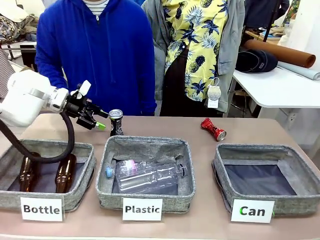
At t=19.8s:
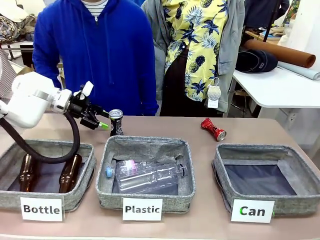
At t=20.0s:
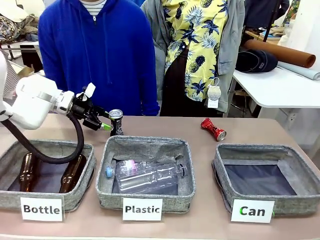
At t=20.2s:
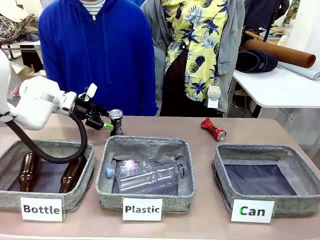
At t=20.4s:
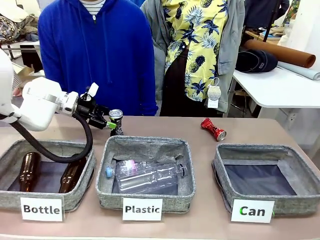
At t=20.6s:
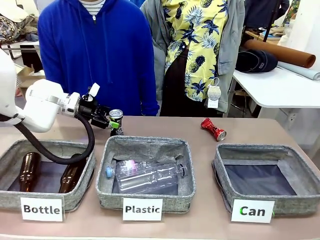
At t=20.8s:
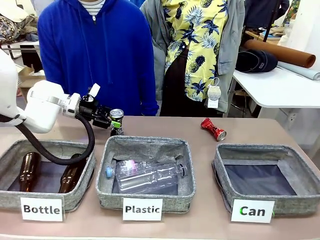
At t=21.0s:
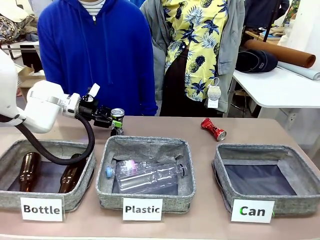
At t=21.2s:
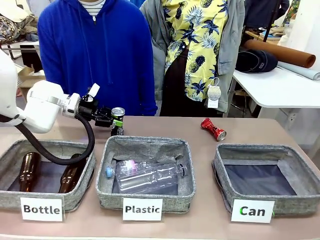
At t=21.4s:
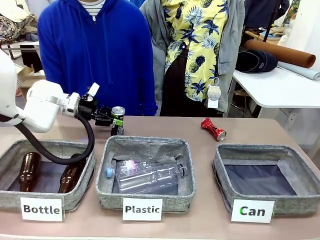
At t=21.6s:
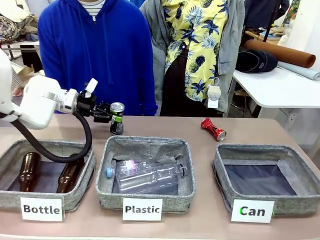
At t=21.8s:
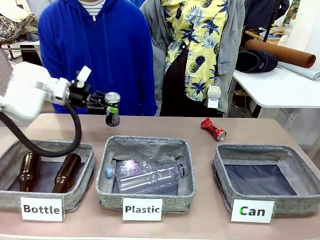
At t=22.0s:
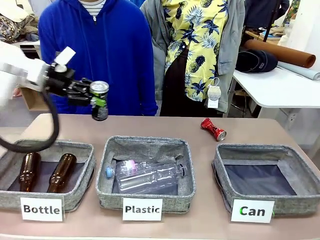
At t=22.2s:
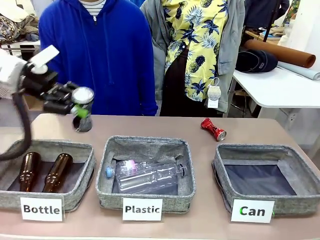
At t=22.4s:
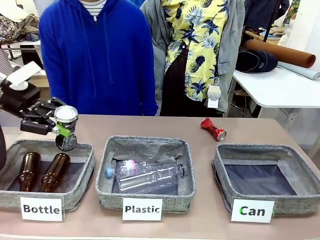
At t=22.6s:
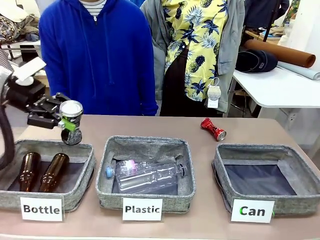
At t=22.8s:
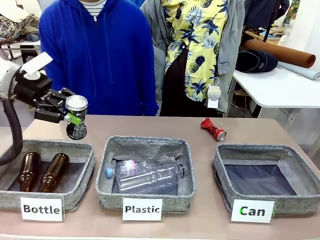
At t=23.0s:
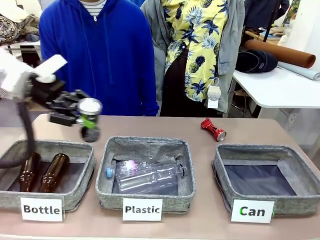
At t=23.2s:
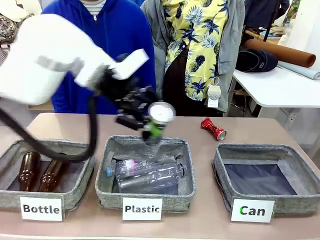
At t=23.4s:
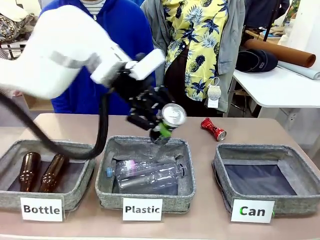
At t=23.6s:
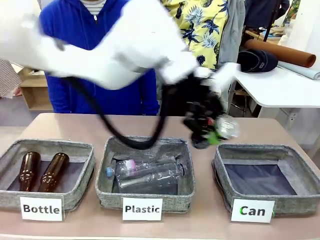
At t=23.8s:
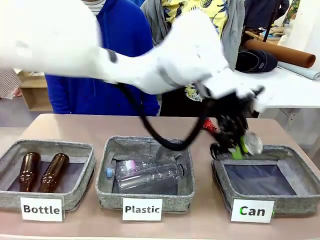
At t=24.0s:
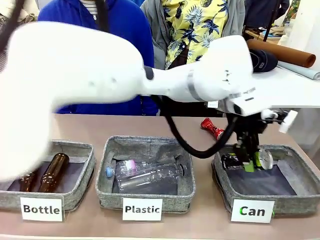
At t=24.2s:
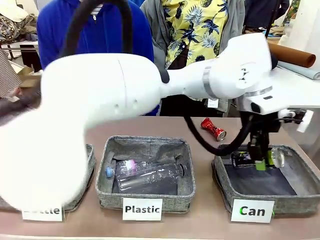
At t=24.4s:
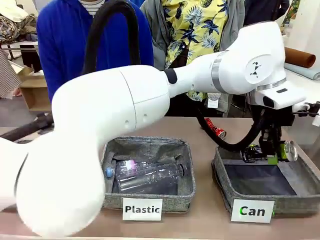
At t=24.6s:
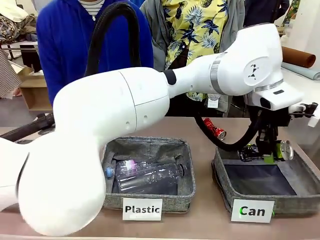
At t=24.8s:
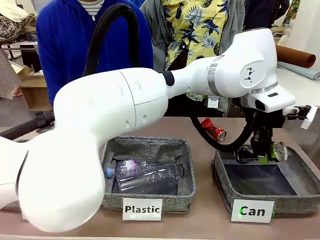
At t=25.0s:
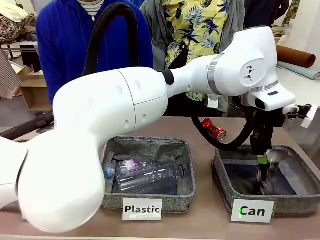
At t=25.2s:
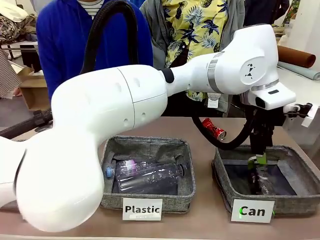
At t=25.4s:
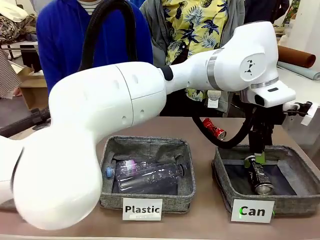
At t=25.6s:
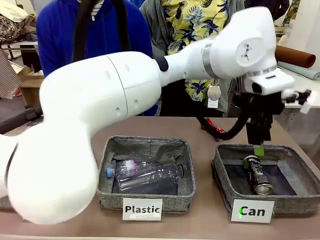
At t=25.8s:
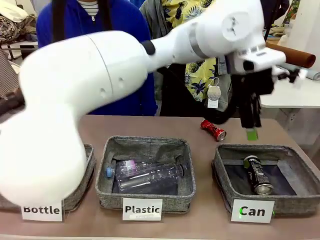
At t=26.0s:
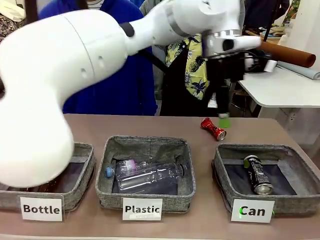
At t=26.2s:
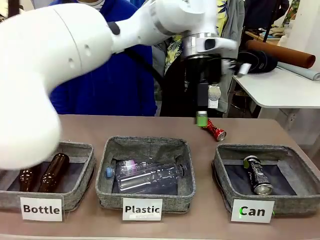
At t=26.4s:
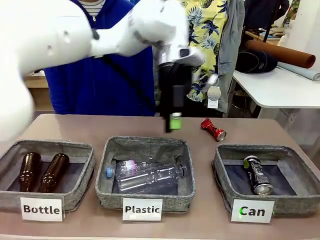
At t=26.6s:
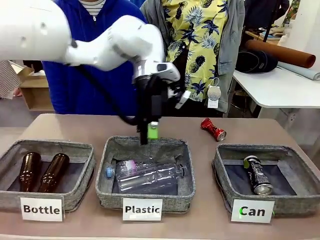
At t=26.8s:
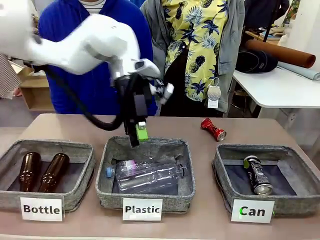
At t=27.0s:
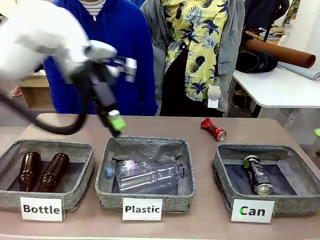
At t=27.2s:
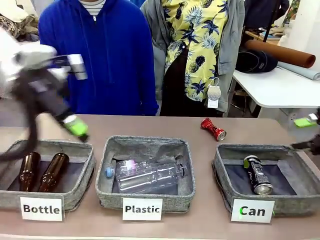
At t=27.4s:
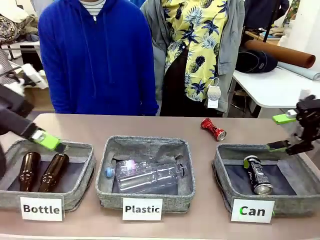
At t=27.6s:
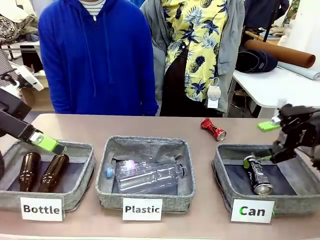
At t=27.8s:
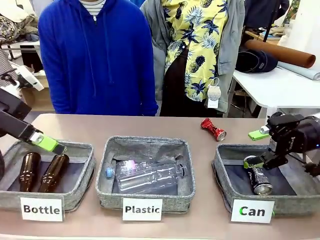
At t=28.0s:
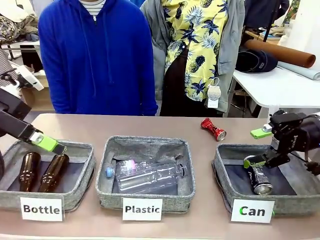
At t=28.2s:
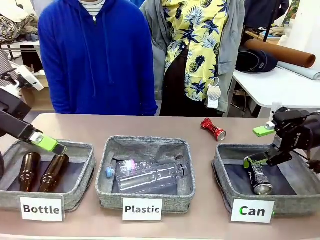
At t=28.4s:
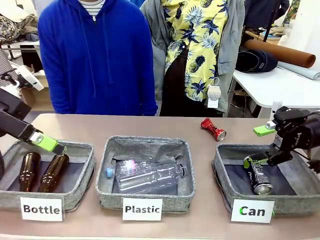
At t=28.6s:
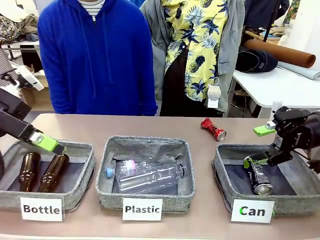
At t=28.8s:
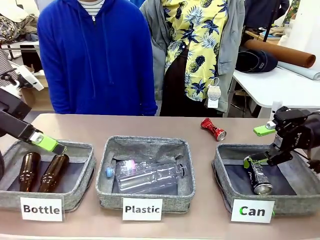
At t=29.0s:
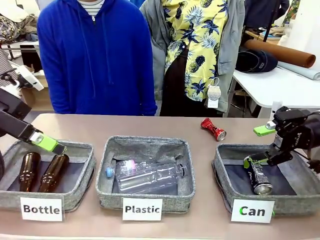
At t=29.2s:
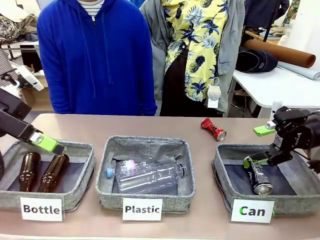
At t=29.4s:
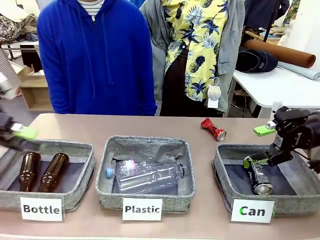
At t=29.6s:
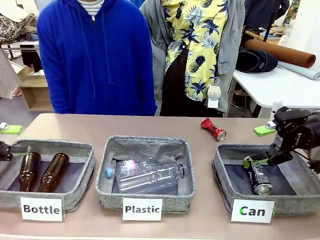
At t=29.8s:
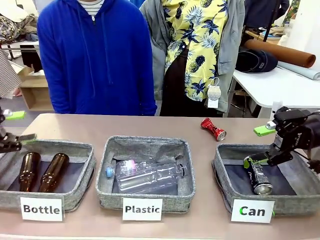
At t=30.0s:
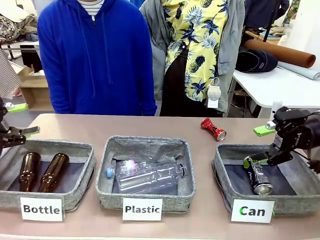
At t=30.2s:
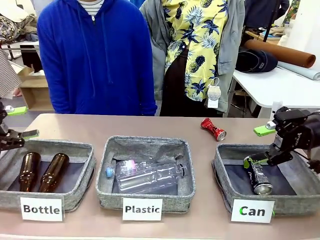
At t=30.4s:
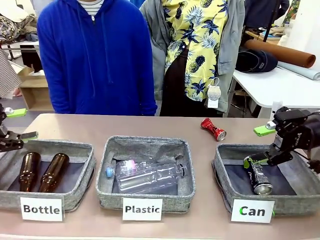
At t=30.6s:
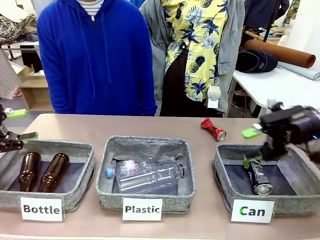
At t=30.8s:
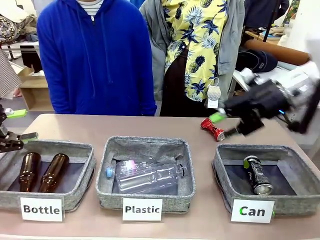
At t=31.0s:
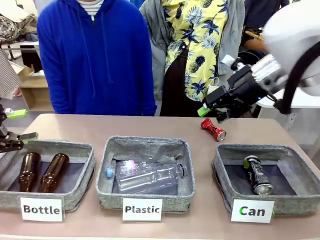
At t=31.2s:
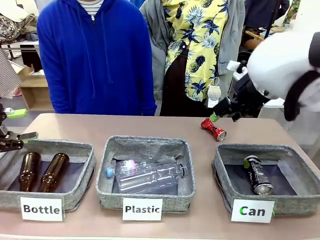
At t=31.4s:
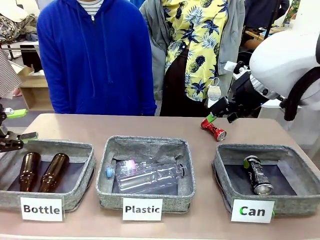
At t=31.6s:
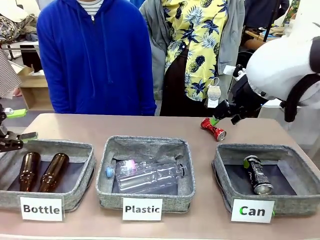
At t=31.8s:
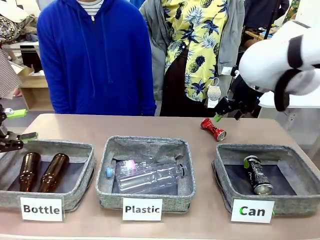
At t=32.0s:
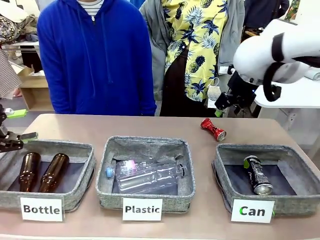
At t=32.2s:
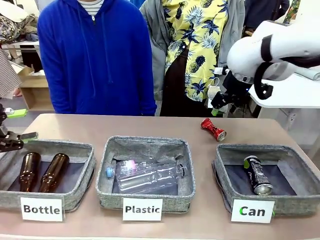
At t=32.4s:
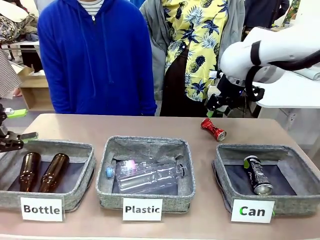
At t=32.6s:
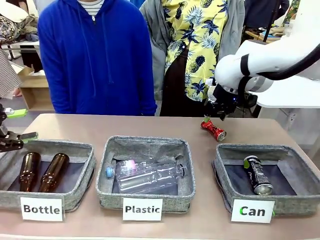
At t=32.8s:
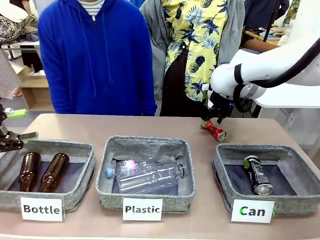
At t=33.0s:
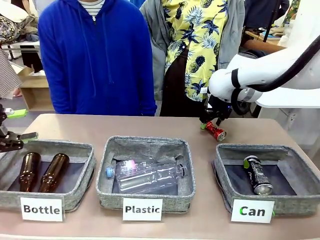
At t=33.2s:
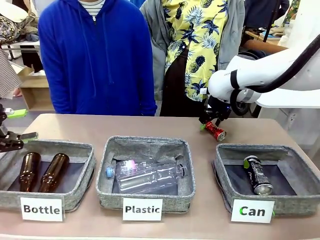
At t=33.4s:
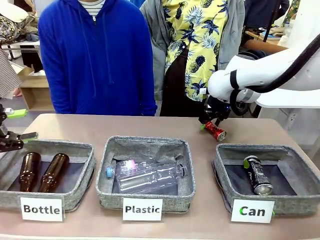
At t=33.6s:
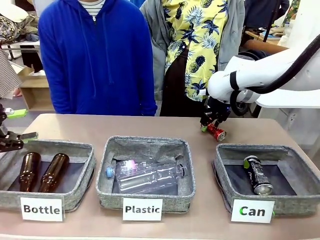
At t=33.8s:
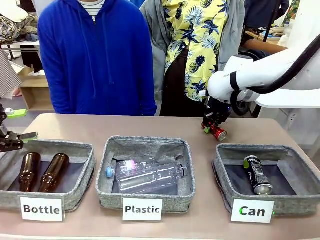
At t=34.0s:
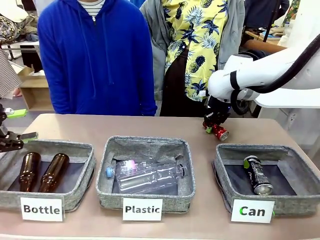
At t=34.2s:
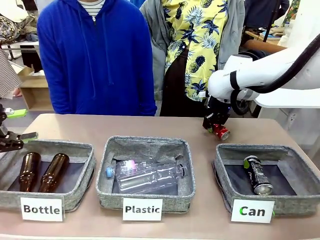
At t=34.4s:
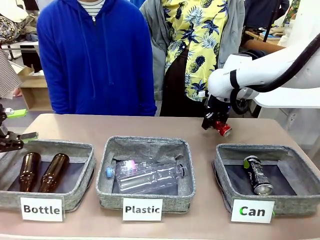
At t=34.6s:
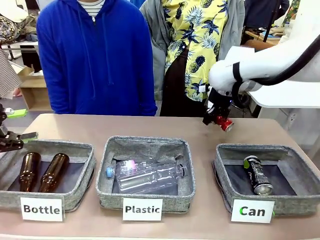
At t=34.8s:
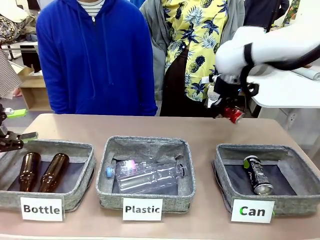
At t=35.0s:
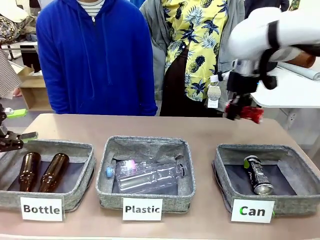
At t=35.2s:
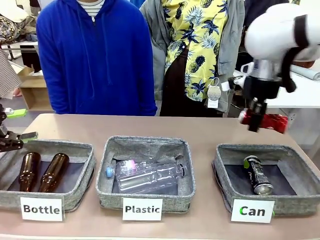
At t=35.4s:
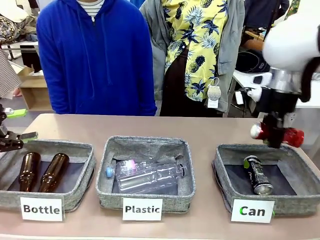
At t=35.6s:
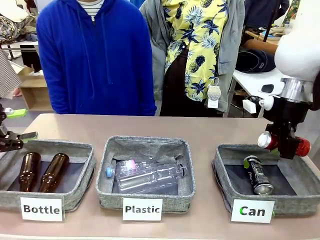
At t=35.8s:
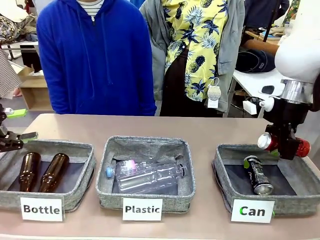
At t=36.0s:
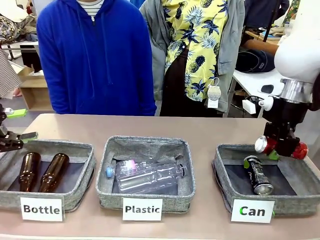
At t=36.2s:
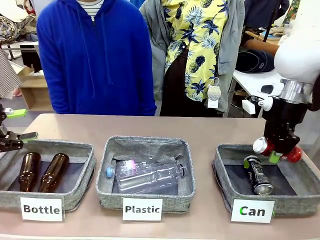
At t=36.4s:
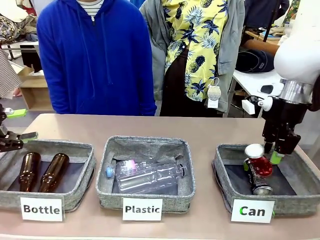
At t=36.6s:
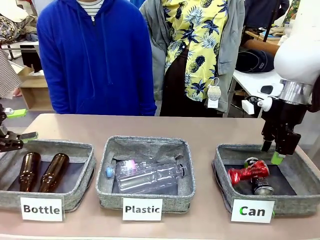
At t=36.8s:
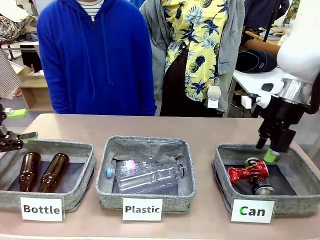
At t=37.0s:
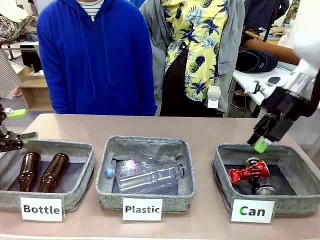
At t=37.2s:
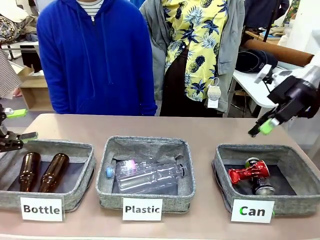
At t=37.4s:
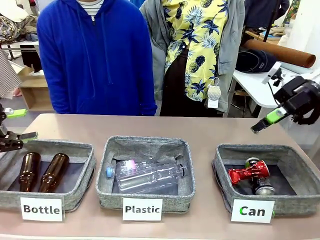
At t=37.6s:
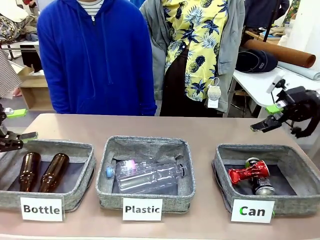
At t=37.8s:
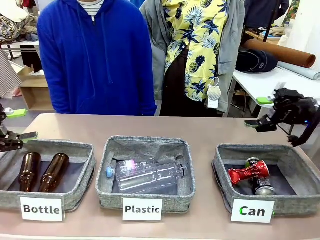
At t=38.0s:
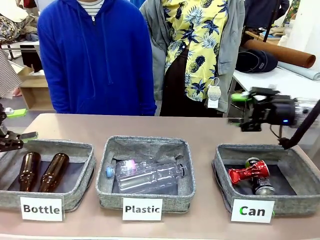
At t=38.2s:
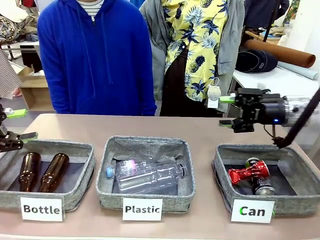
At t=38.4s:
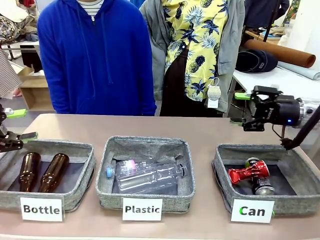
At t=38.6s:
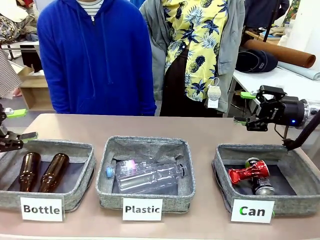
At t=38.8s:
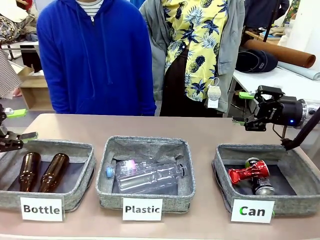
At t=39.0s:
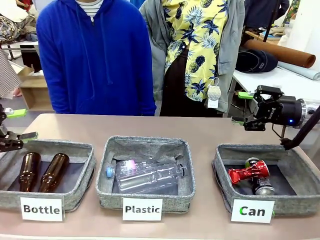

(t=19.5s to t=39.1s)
Task: Sort the can waste into the basket.
Robot: Pick up the can waste from the table and place it in the right Fabric basket.
Person: The human picks up one piece of trash that is not a can and places the trash into the appropriate organizing basket.
